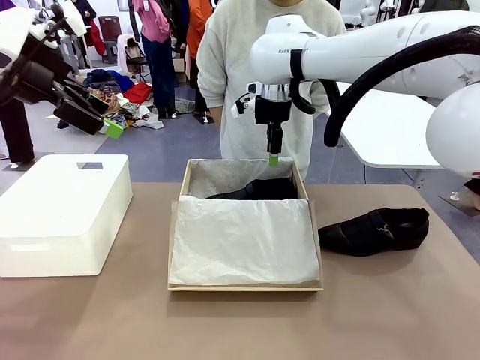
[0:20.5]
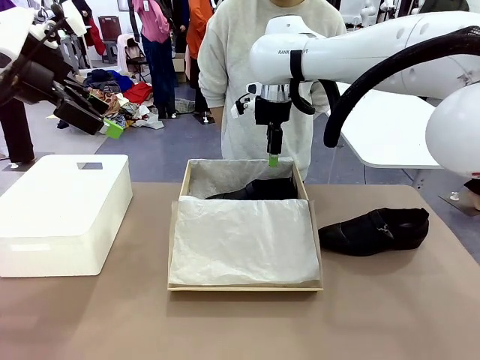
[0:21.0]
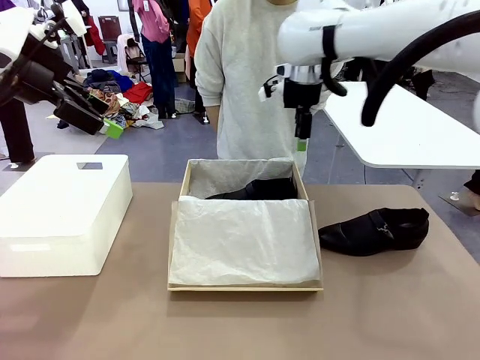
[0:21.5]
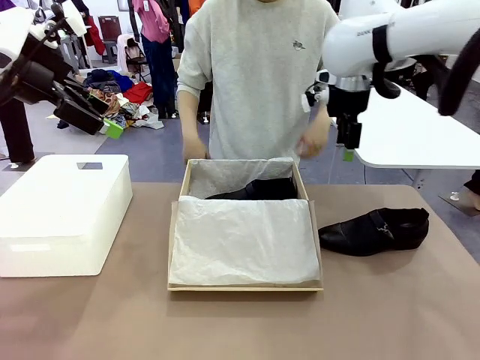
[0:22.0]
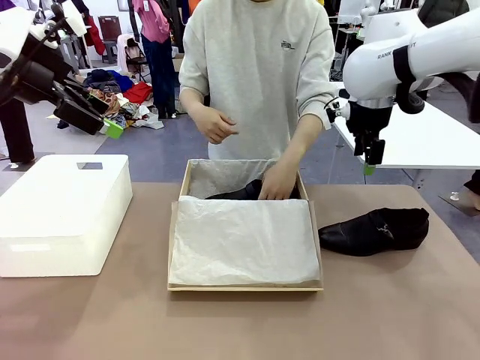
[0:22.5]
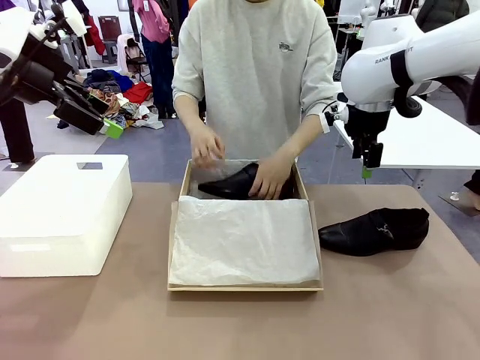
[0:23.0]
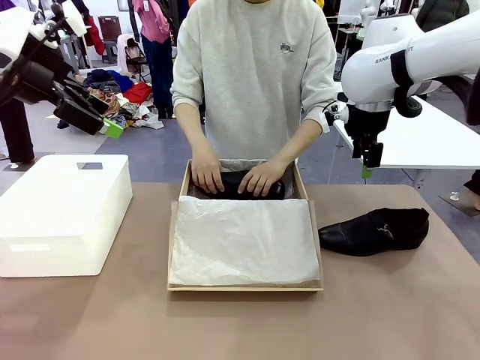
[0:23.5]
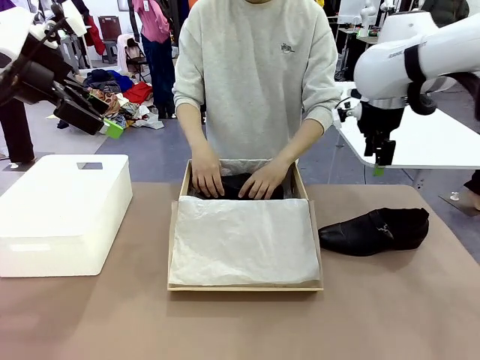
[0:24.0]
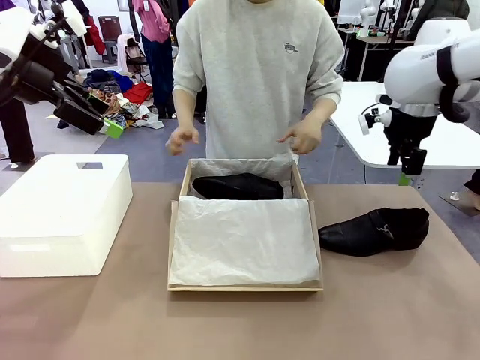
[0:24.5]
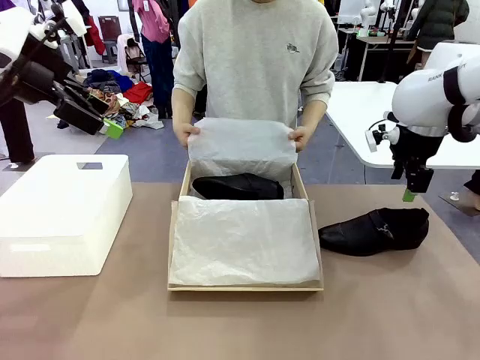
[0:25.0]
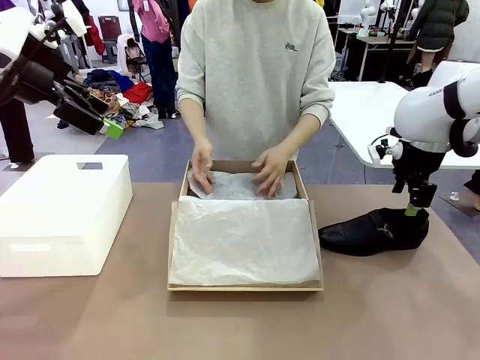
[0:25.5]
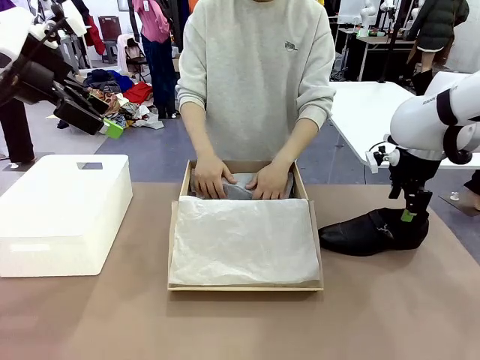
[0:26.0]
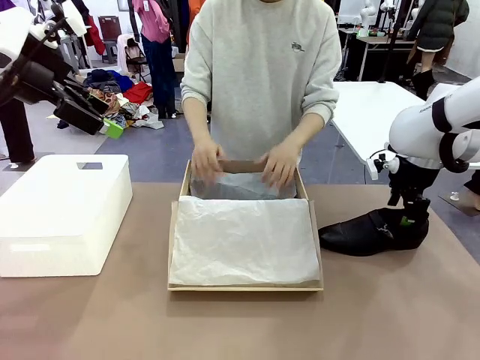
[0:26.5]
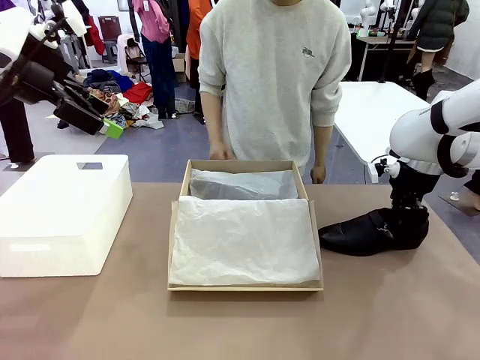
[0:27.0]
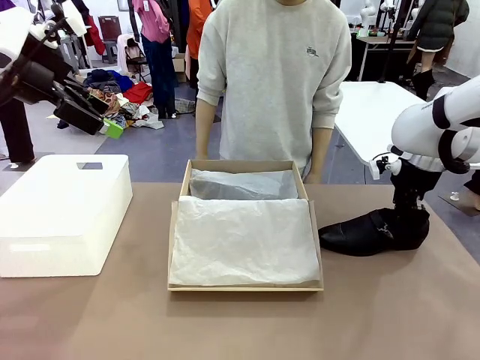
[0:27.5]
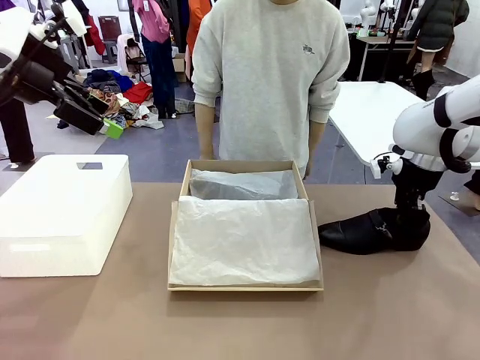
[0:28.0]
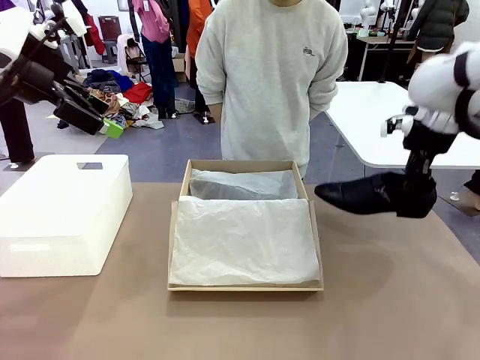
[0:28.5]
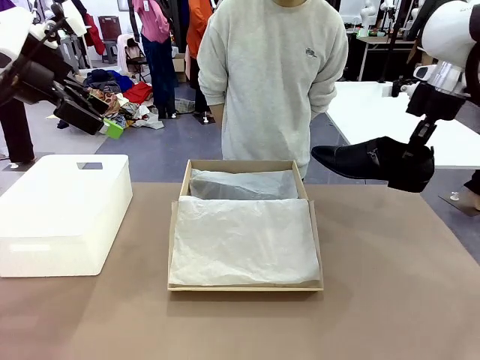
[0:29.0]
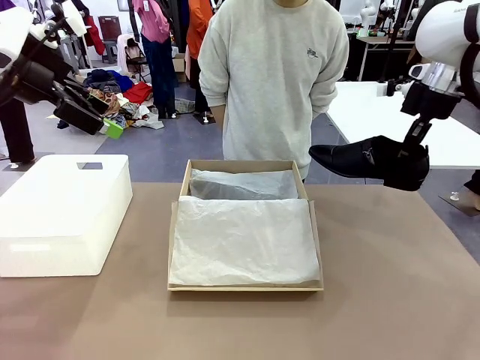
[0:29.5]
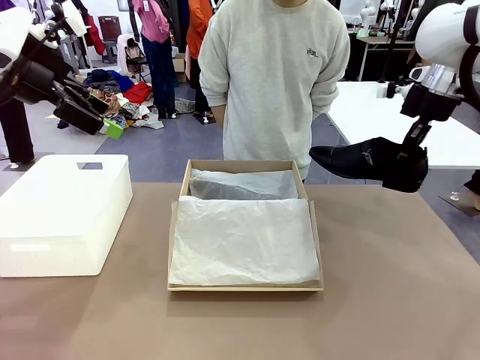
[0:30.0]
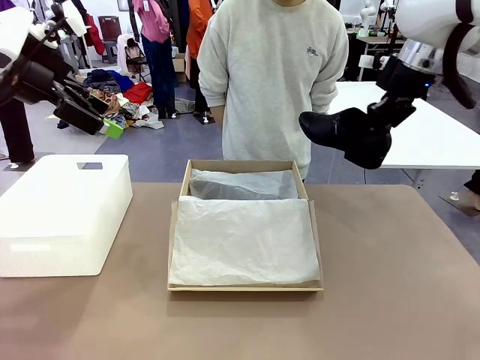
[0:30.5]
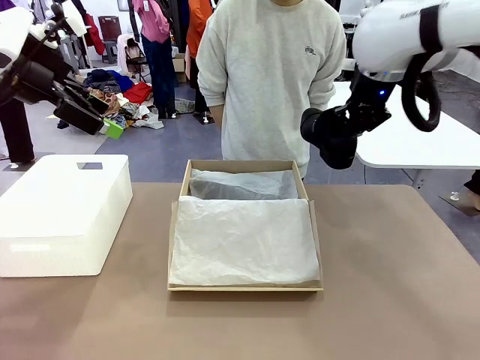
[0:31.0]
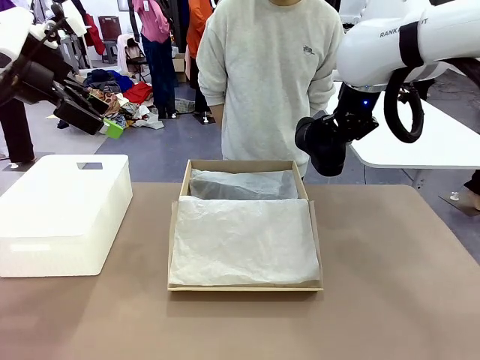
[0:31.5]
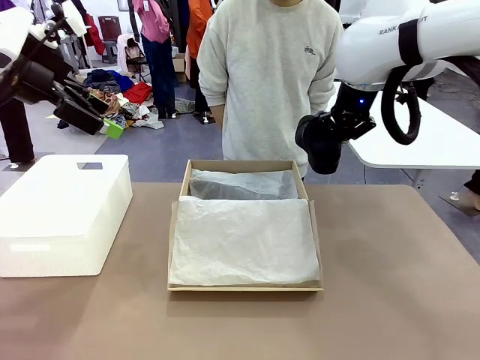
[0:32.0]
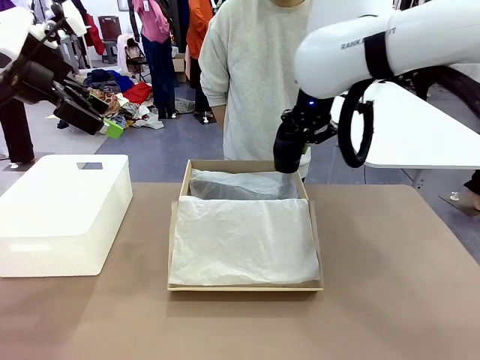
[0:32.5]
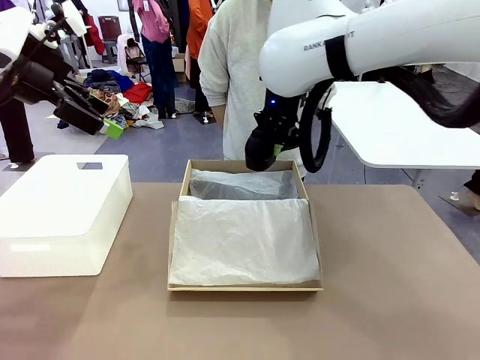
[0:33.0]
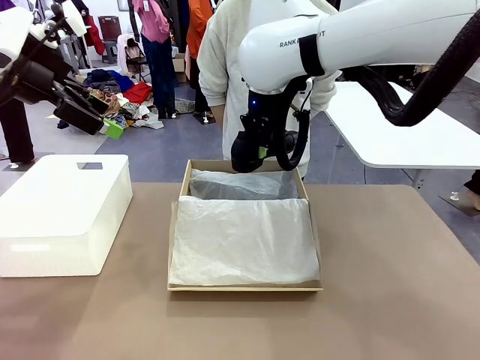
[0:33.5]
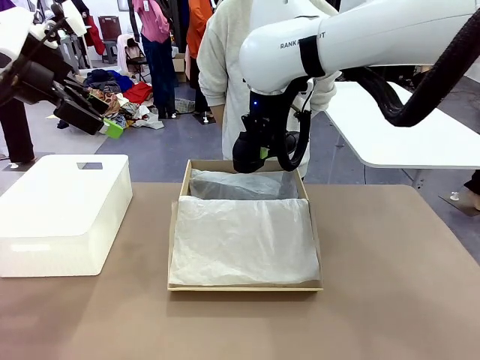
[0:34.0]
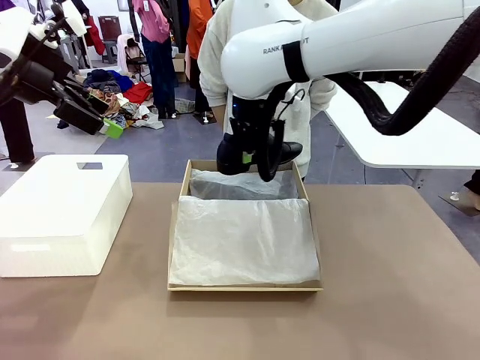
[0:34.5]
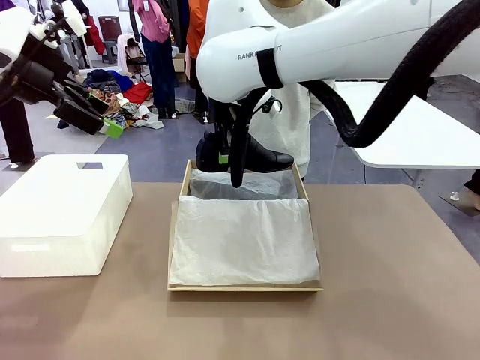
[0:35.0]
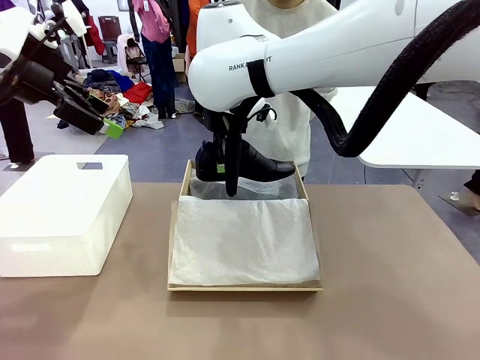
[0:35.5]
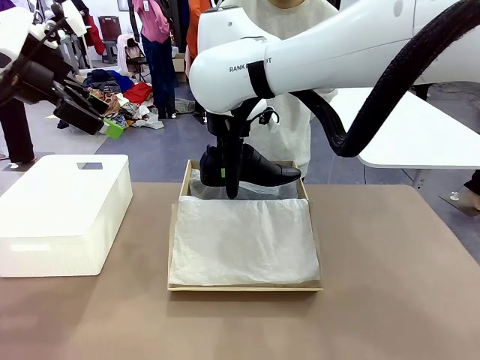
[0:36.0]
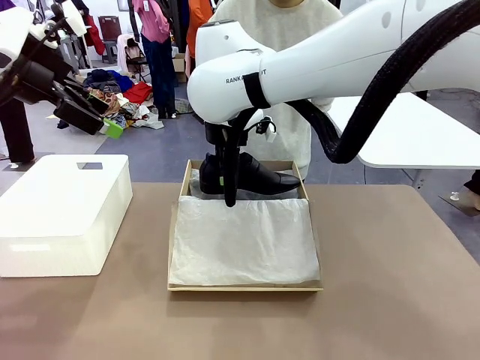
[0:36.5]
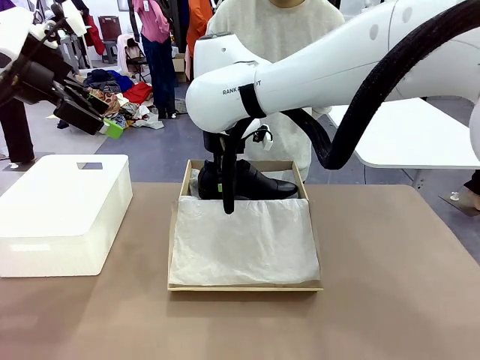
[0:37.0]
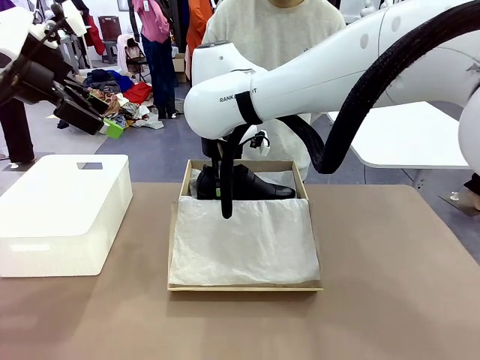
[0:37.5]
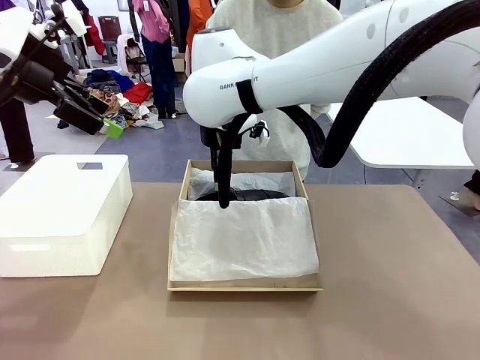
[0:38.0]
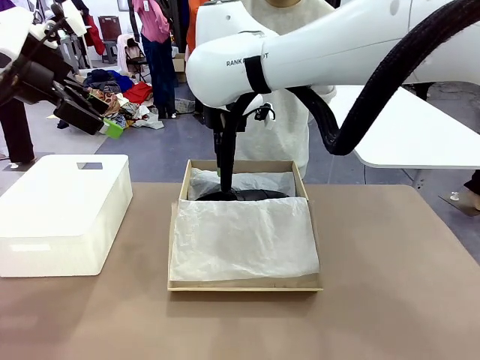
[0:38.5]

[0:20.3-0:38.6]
Task: Pack the shoes into the box.
Robot: Place the other shoe of the Shoes into the Shoes Box.
Person: Pack a shoe of Shoes inside the Shoes Box with Shoes Wrapping Paper.

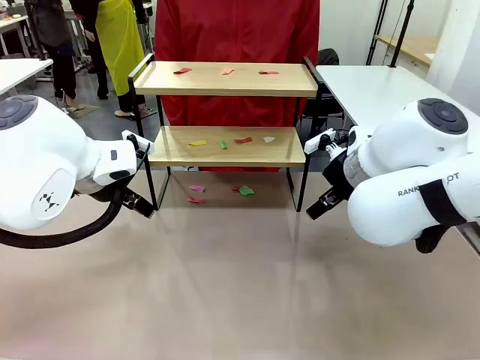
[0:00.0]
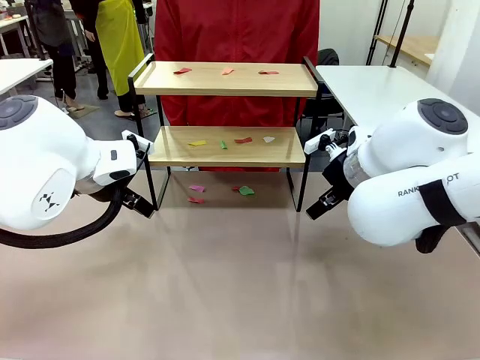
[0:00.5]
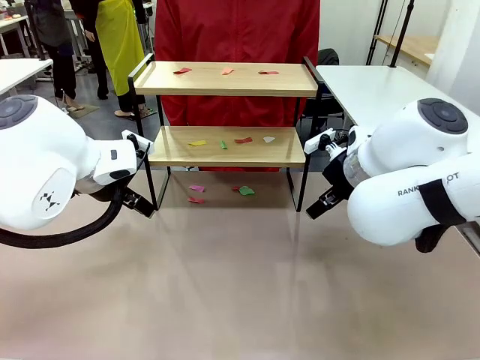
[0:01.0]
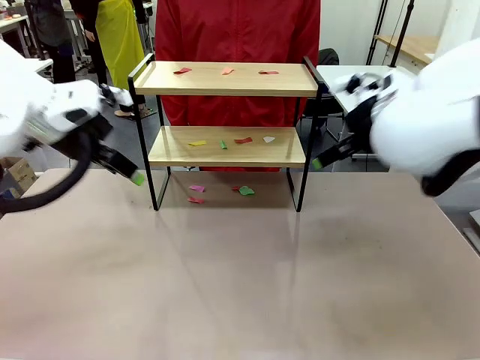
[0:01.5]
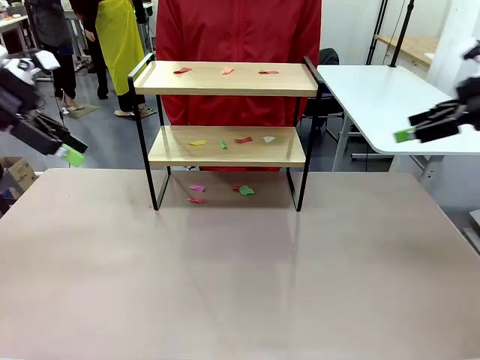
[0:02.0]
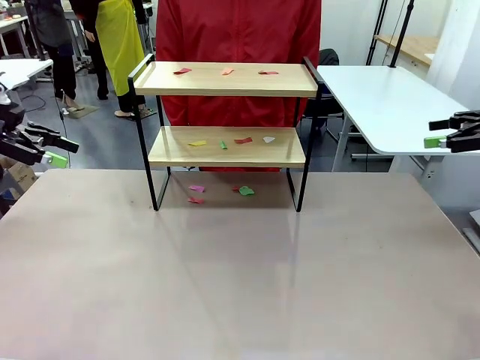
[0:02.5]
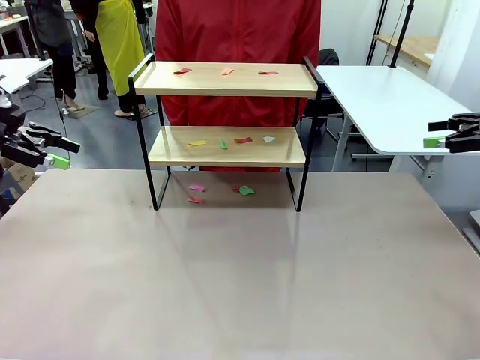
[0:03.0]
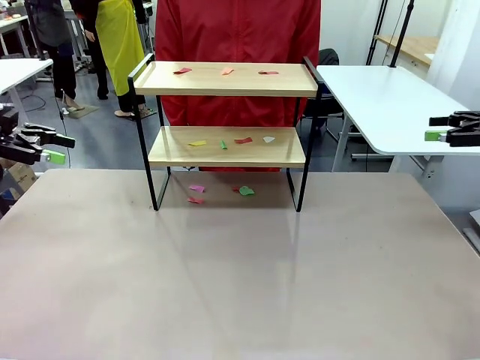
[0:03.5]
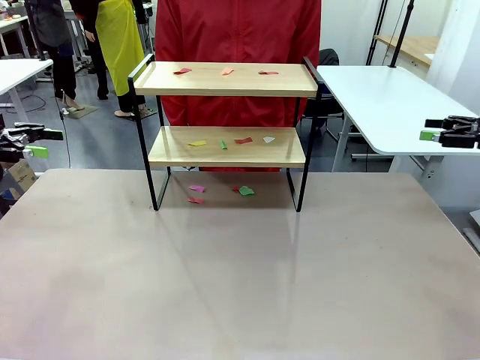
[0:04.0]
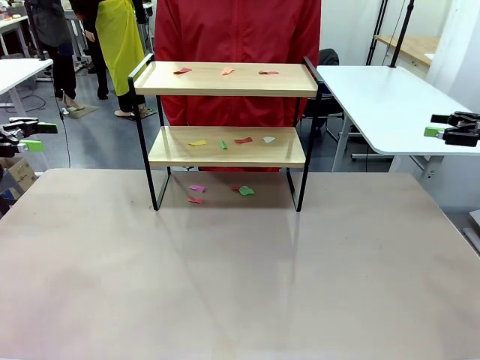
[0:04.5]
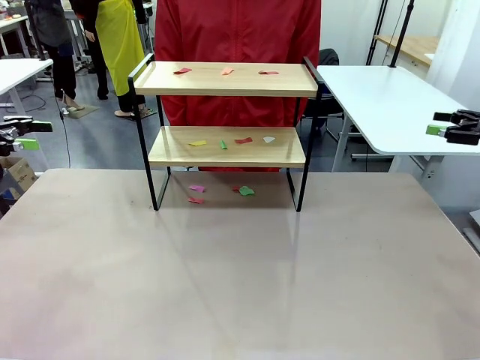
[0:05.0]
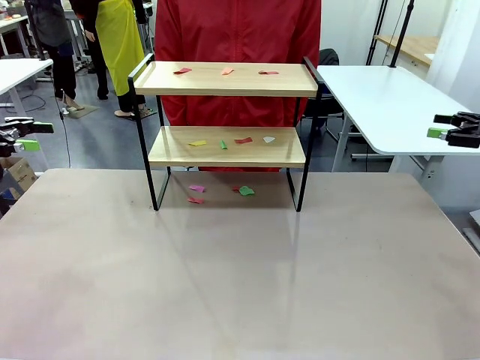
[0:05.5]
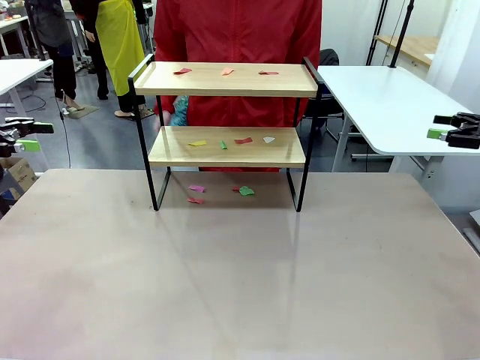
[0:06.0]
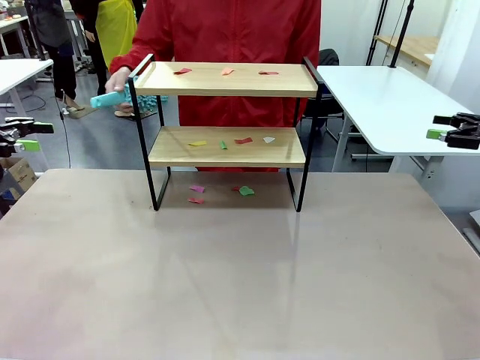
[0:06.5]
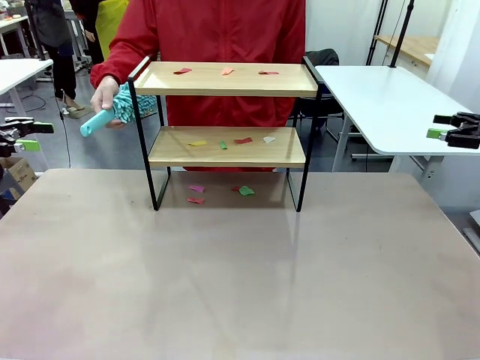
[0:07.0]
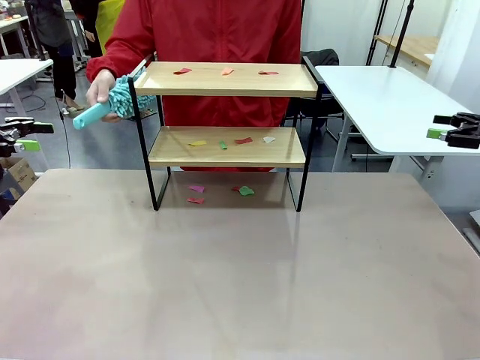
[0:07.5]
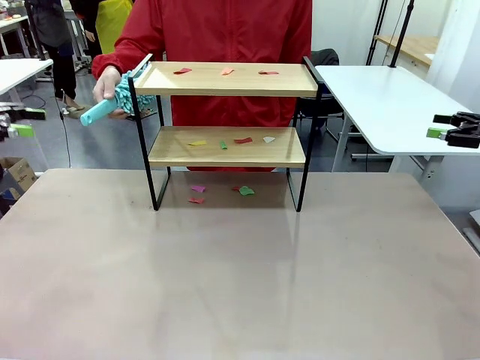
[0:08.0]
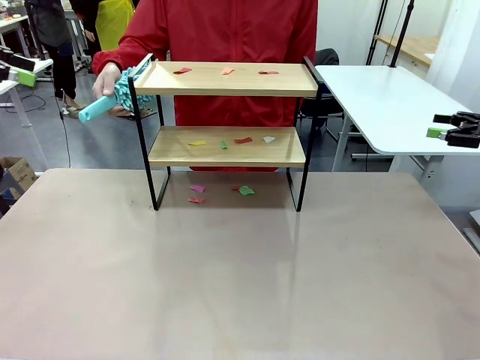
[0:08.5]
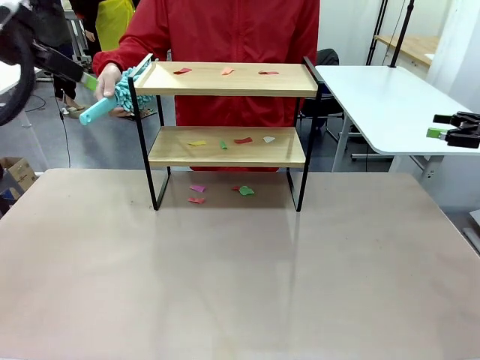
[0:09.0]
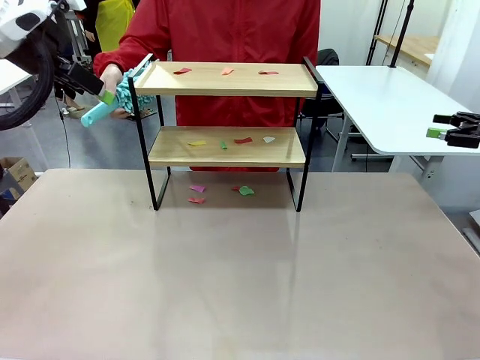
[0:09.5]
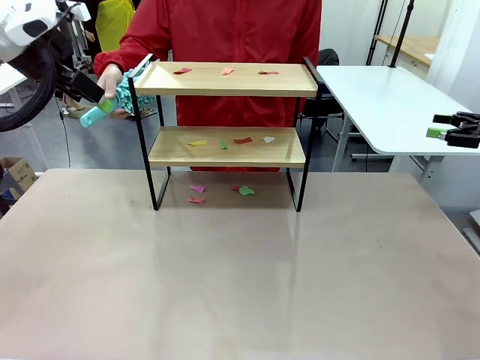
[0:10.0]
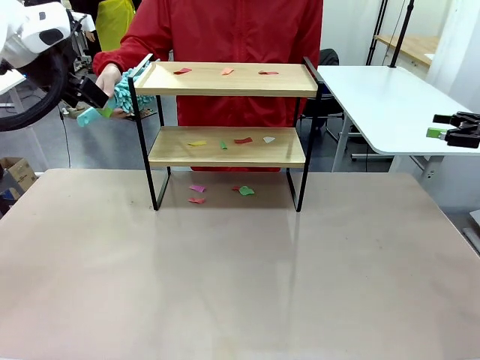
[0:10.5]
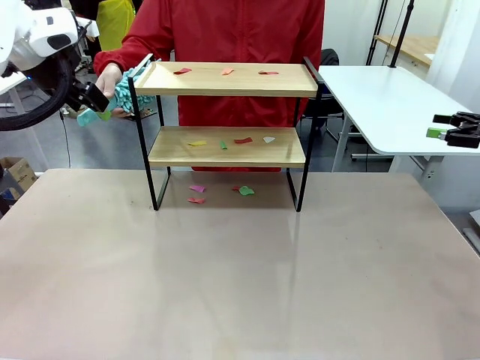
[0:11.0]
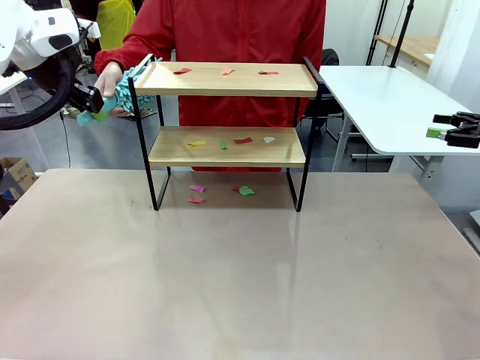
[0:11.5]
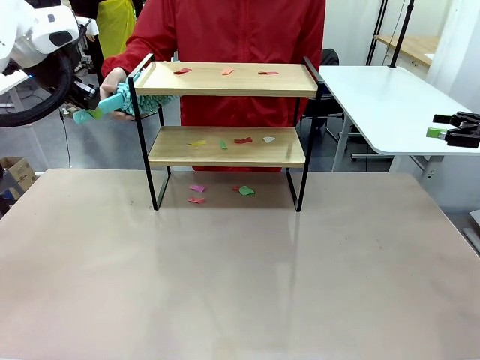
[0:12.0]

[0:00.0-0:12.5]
Task: Clean the shelf.
Robot: Pick up the Duster handed by the human.
Person: Hand the Duster to the robot.
